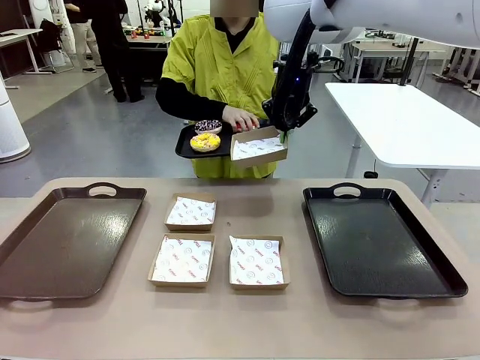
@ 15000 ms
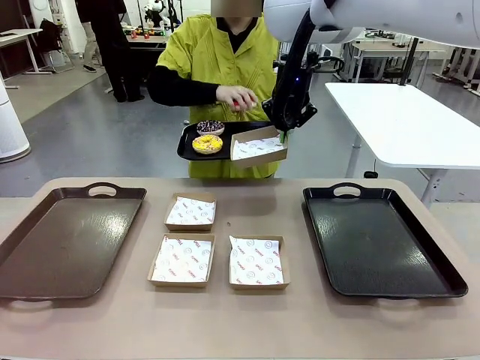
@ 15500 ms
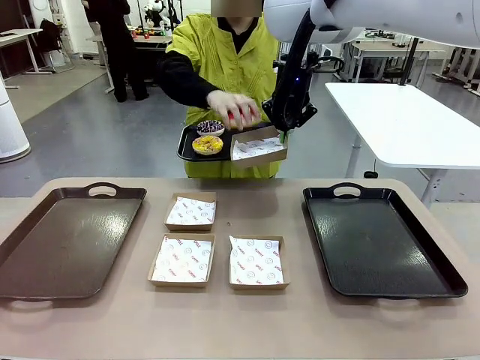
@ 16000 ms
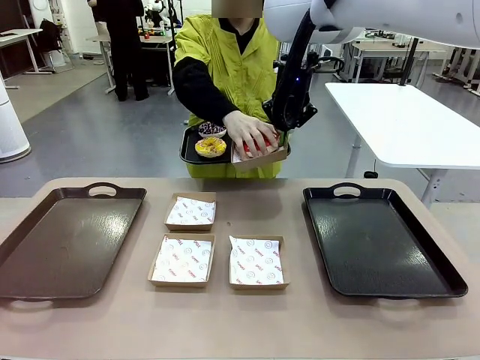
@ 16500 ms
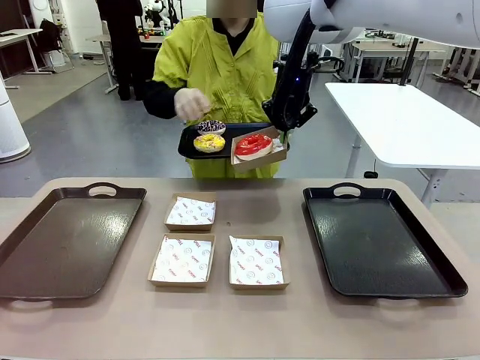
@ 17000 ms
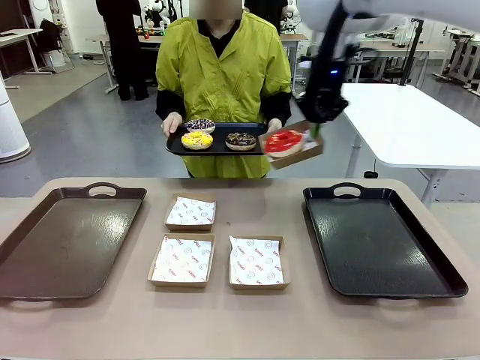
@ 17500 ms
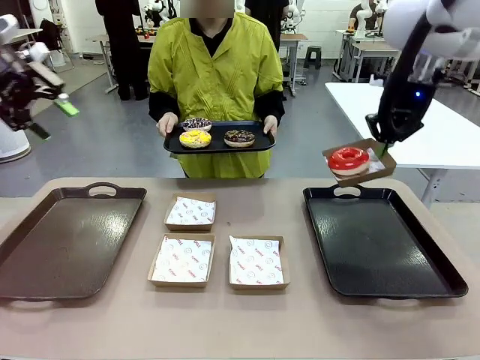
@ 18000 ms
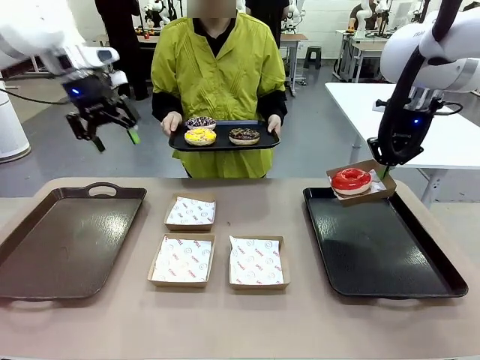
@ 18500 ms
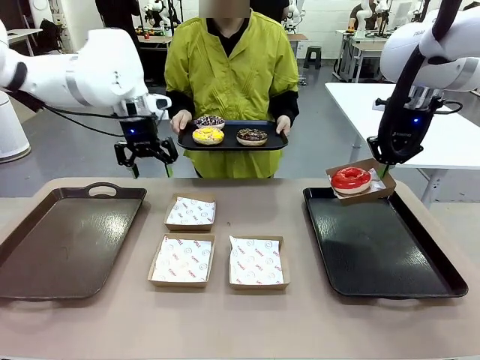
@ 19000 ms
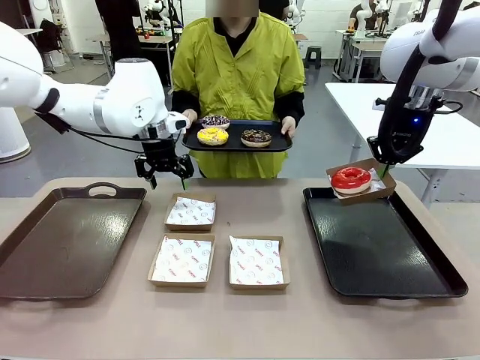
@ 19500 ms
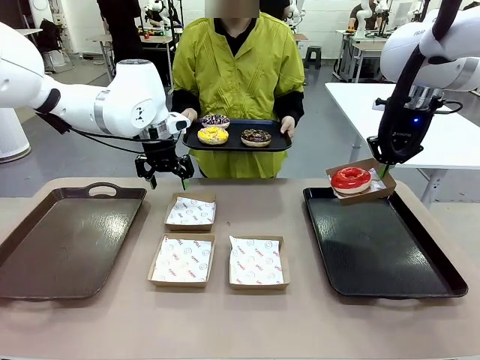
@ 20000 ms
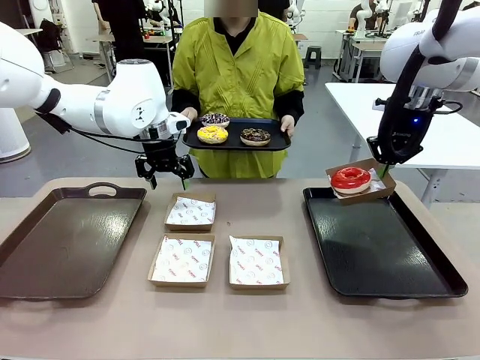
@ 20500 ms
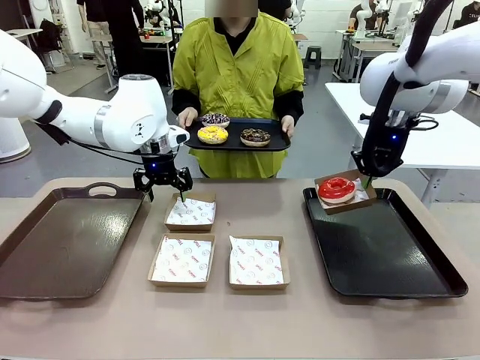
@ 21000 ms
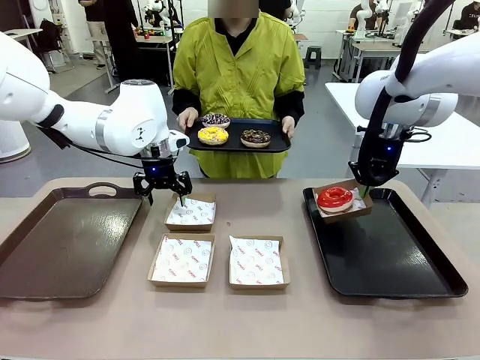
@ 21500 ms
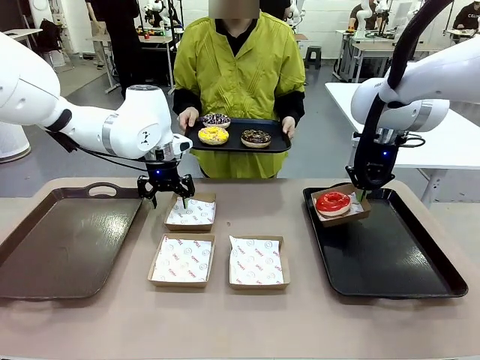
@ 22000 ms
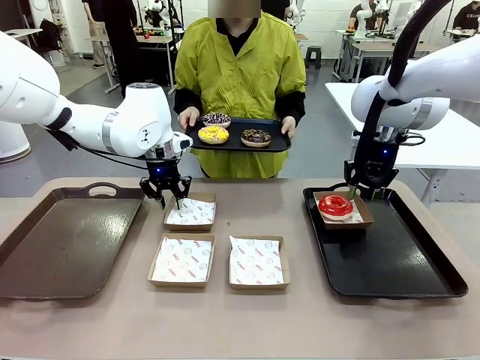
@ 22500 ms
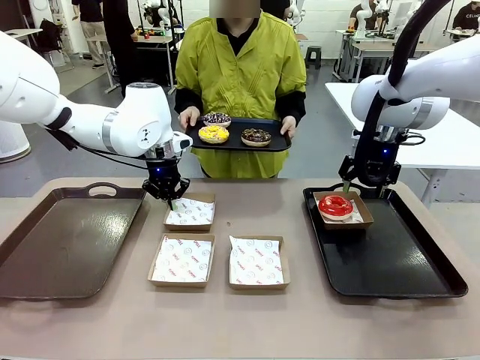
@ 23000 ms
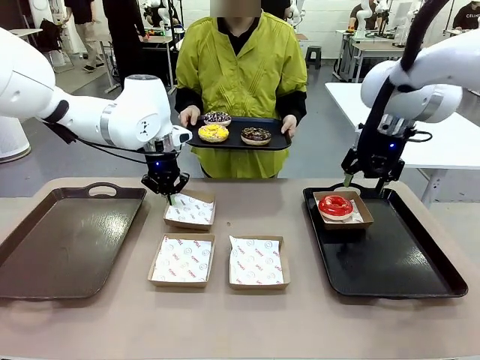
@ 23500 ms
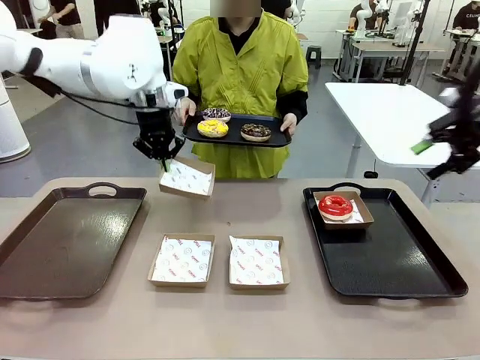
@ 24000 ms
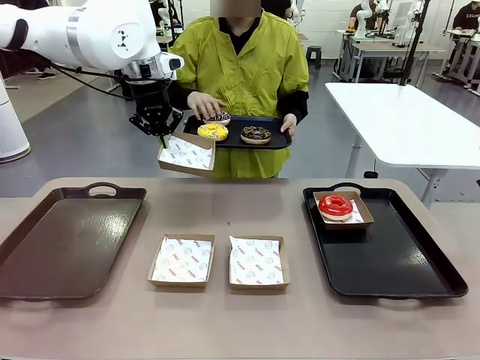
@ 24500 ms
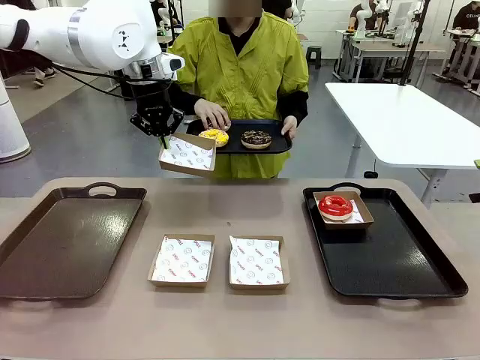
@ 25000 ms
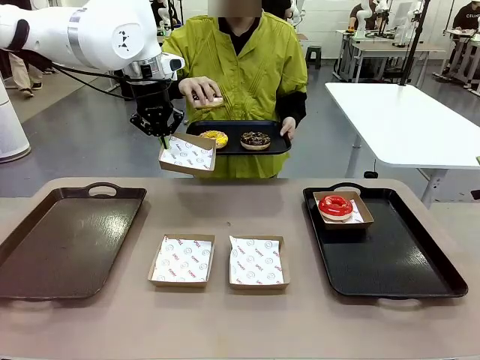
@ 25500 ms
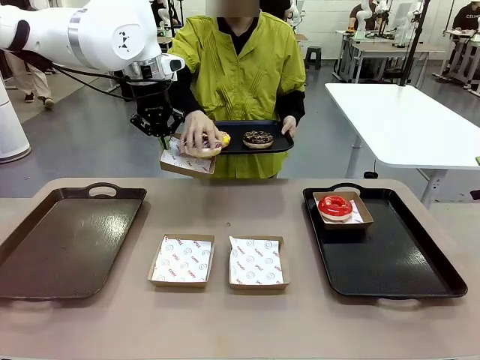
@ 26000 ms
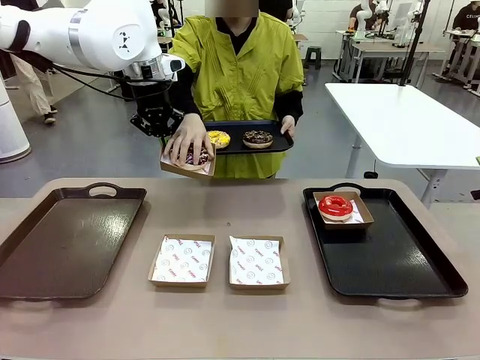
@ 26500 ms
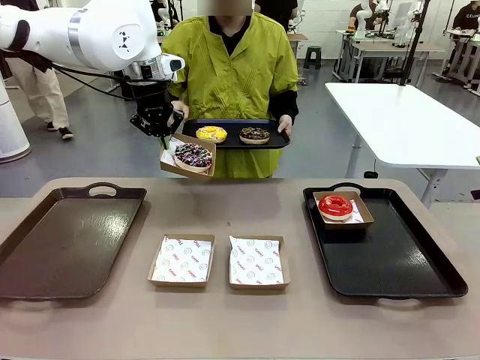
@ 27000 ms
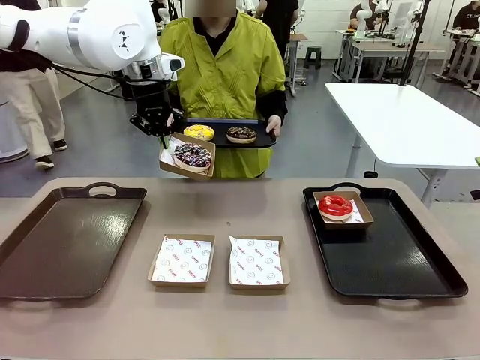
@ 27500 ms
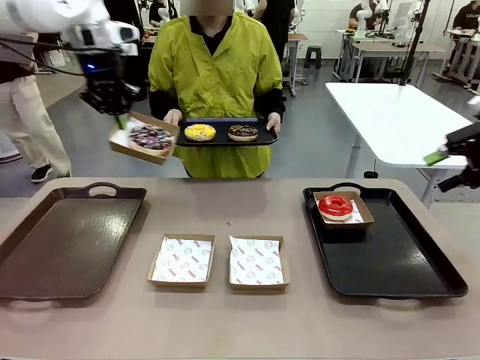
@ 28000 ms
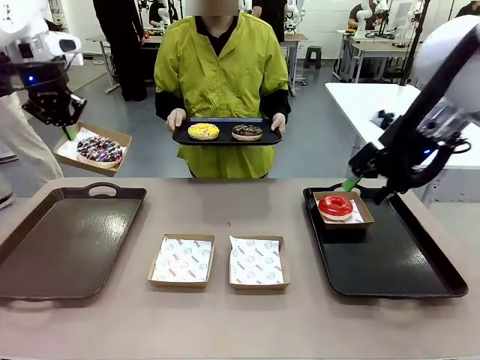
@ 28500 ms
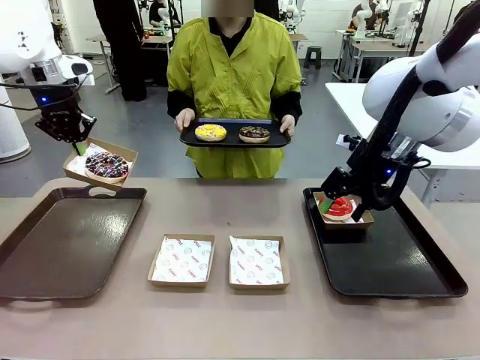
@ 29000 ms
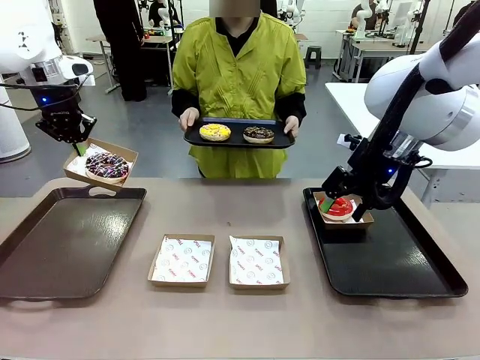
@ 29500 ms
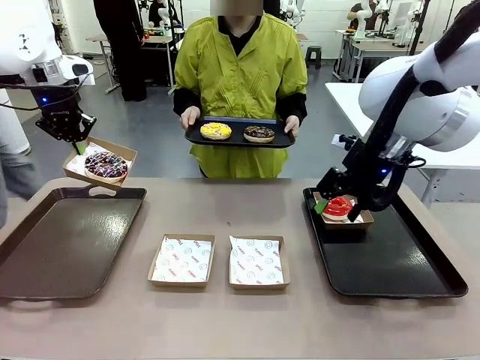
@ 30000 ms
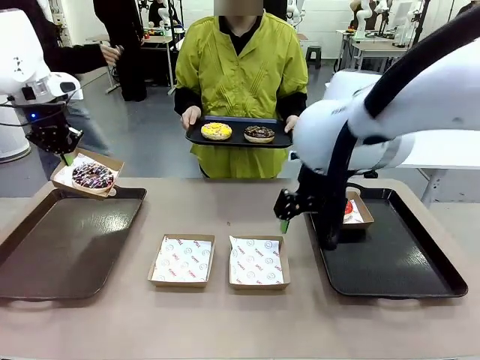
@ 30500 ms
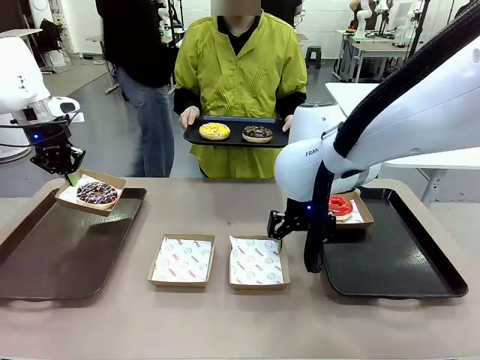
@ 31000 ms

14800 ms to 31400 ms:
Task: Individually package the donuts and arrange them on the tray.
Robot: Place the picked Paper togo box on the Handle tray while simultaneously picking up another Paper togo box from the table with the other hand.

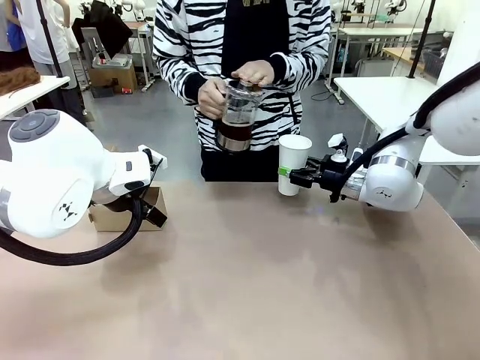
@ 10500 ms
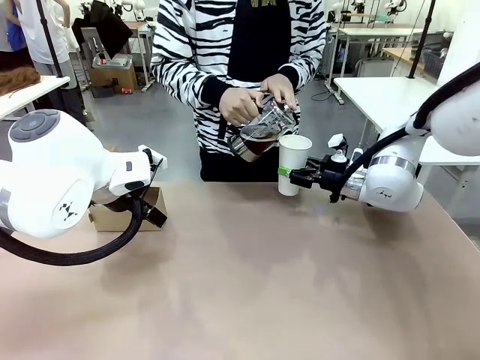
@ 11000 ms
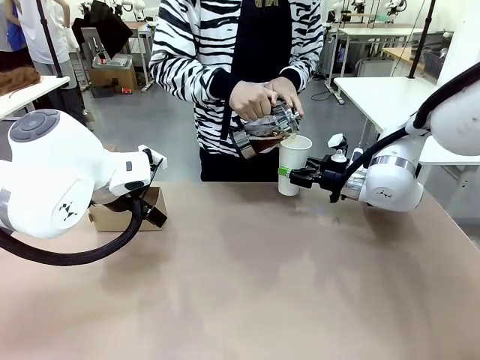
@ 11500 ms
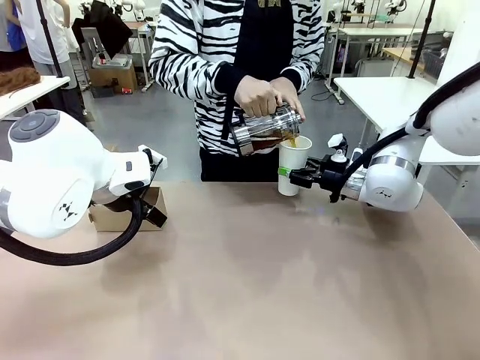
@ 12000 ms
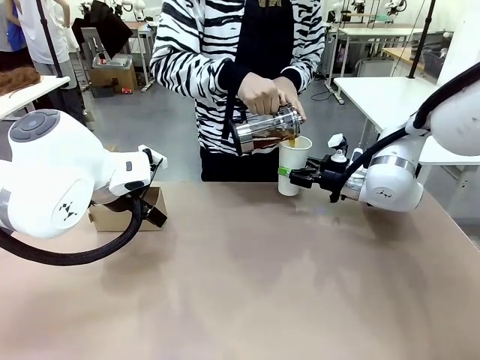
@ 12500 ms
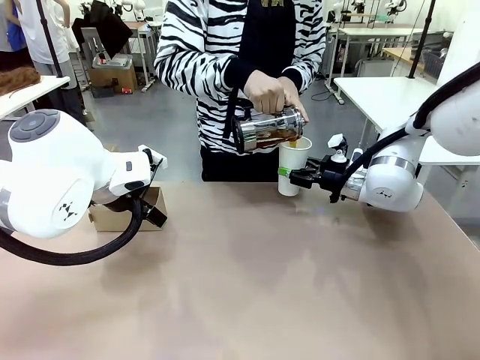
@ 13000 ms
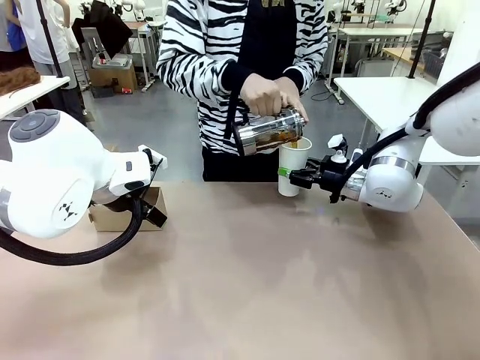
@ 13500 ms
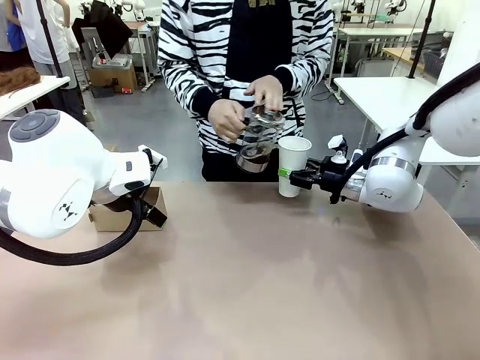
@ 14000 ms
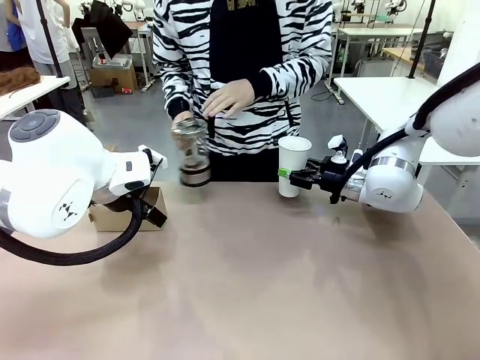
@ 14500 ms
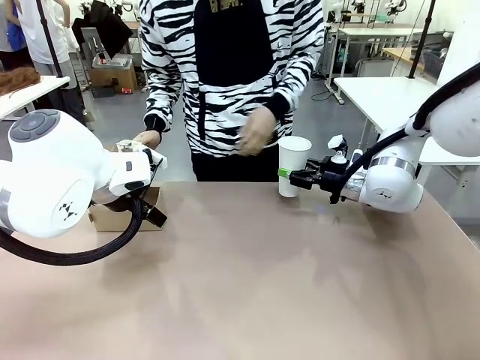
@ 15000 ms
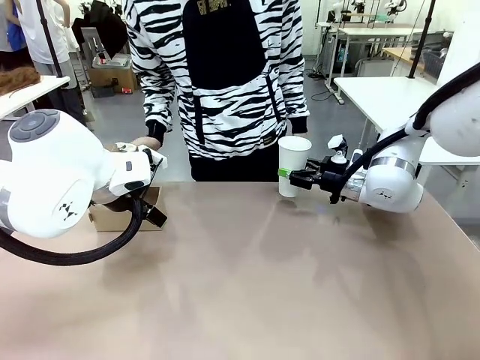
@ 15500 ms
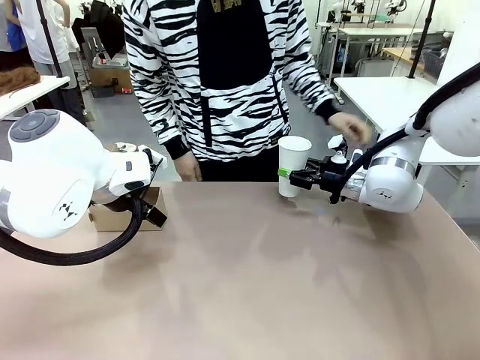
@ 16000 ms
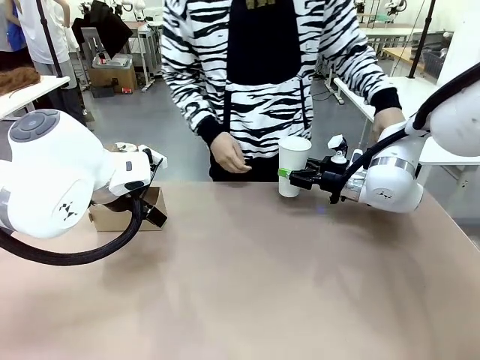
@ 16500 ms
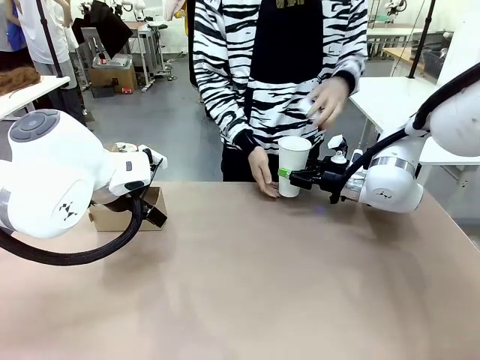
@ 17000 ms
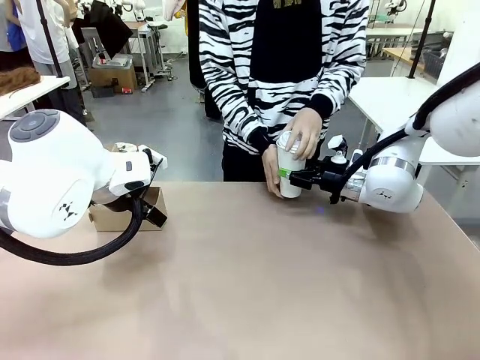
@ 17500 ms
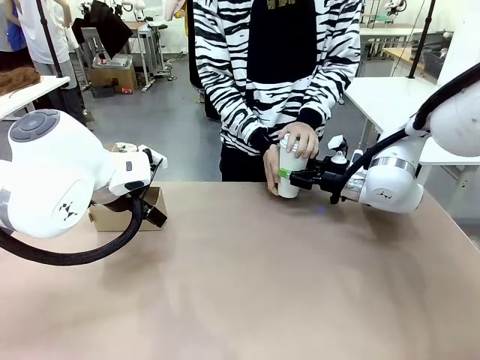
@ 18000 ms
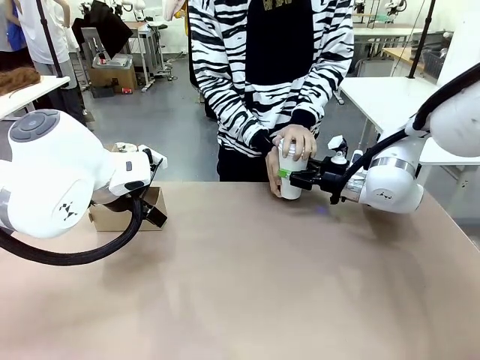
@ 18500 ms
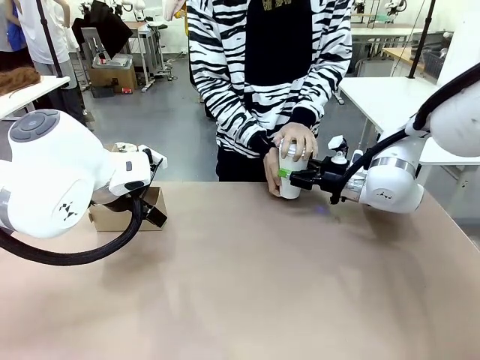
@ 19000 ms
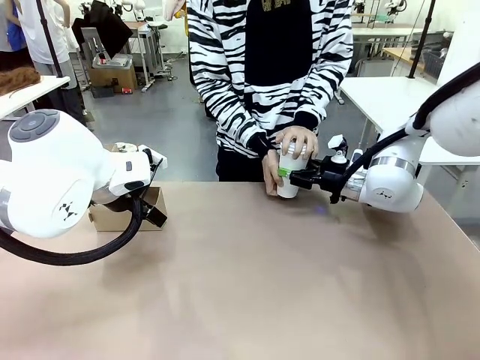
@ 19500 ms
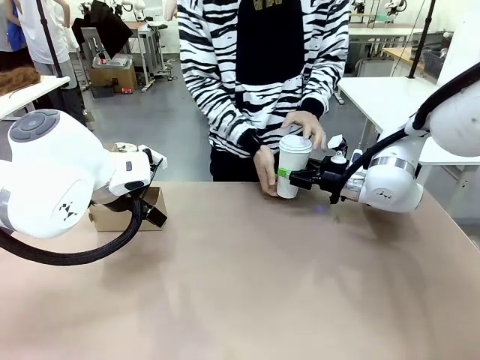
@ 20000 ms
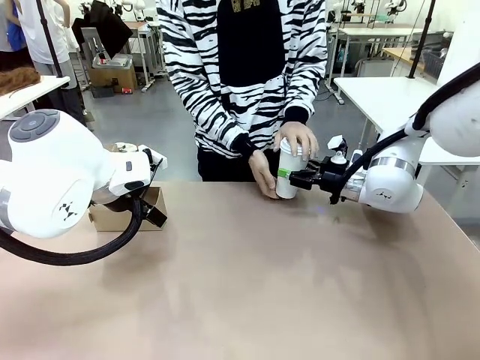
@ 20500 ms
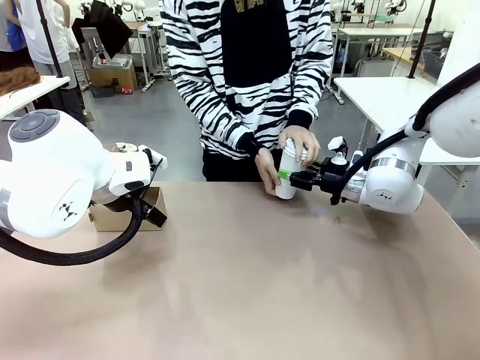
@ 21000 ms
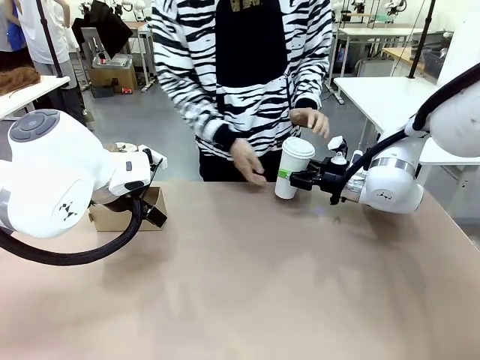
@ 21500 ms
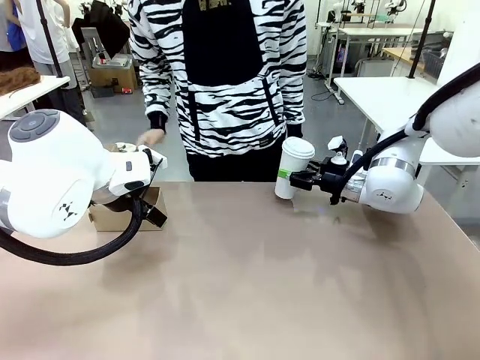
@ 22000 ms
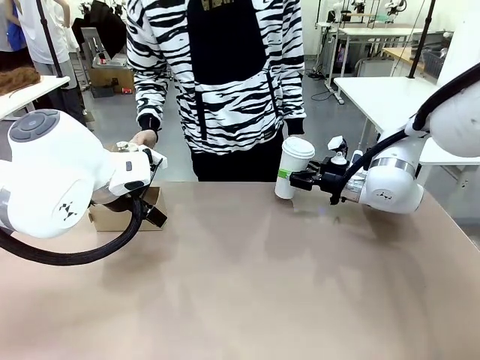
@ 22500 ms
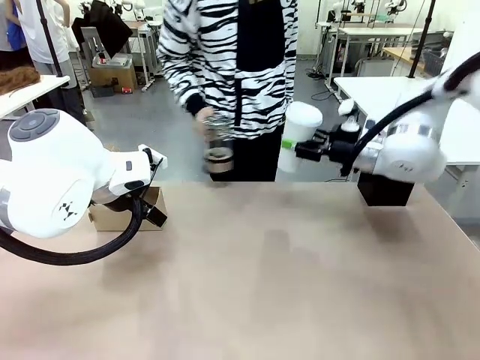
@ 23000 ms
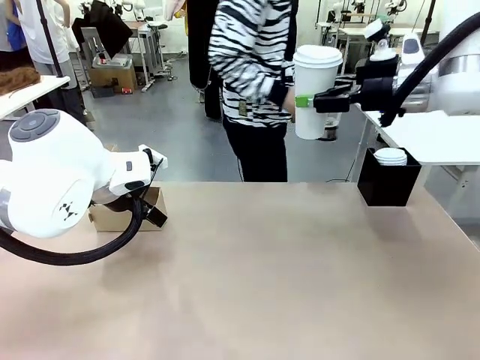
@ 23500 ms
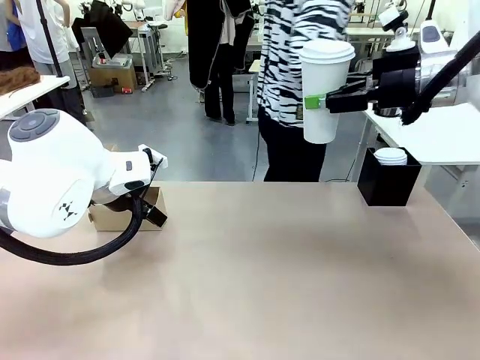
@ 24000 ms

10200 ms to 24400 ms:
Task: Pour a drink into a cup and package it in a carrier.
Robot: When a person places the Paper Cup Lid on the 600 ml Paper Cup , lift the 600 ml Paper Cup.
Person: Pour the drink from the Filter Brewing into the 600 ml Paper Cup. Place a Paper Cup Lid on the 600 ml Paper Cup.
